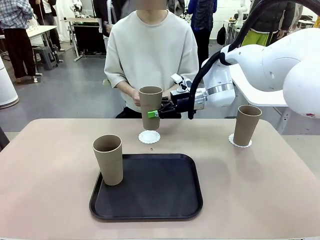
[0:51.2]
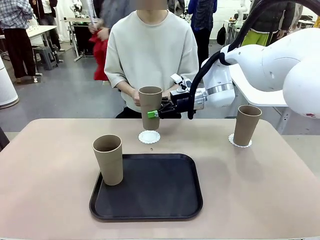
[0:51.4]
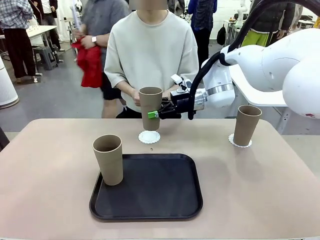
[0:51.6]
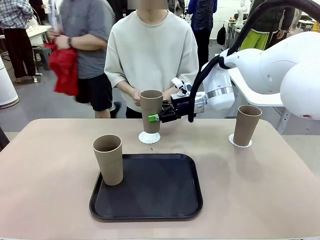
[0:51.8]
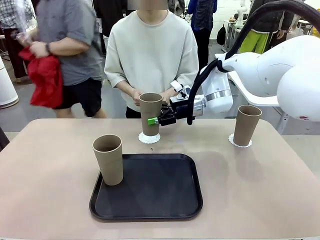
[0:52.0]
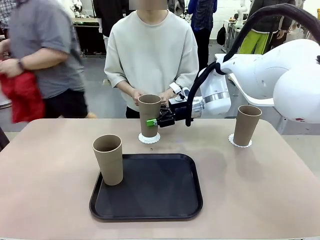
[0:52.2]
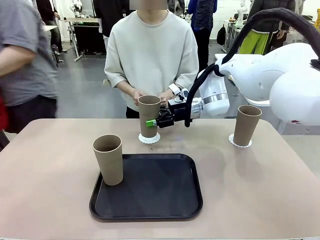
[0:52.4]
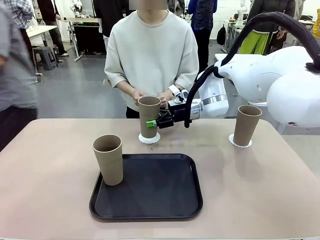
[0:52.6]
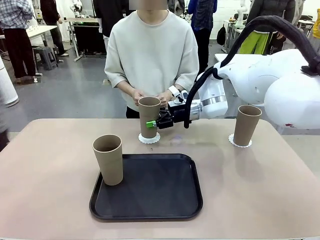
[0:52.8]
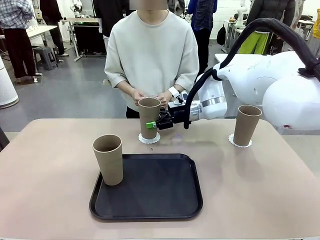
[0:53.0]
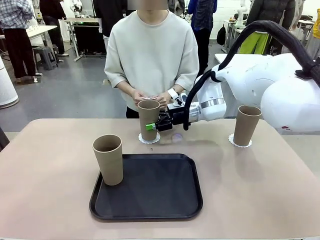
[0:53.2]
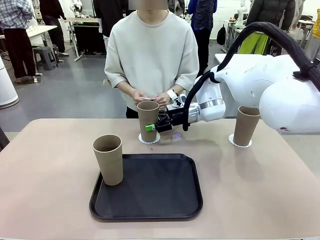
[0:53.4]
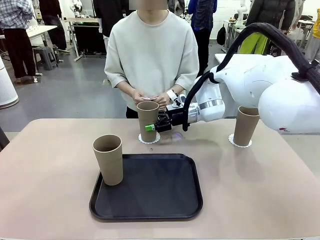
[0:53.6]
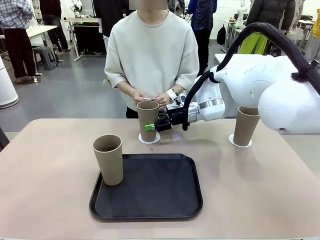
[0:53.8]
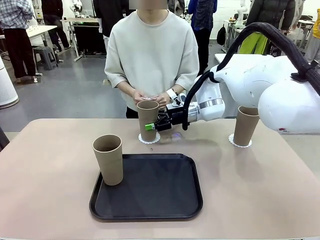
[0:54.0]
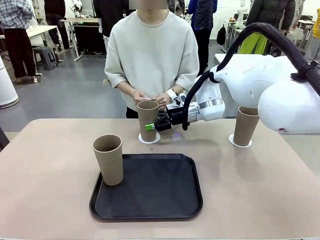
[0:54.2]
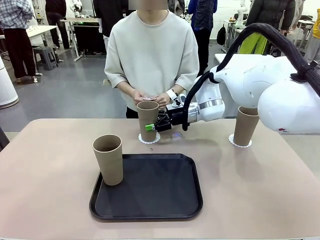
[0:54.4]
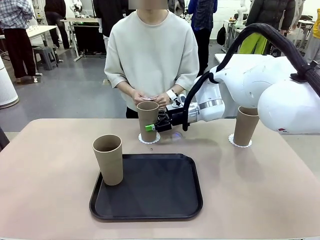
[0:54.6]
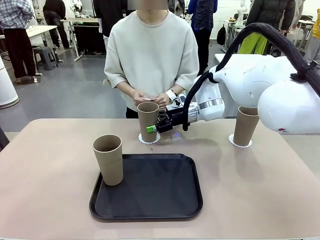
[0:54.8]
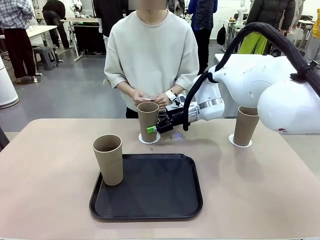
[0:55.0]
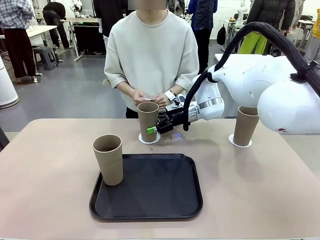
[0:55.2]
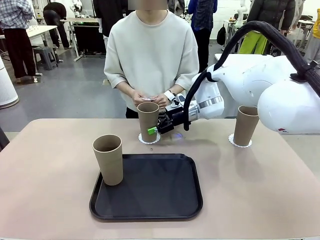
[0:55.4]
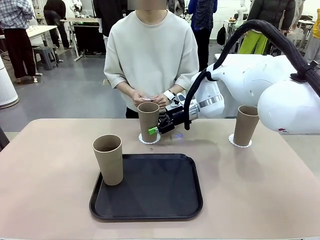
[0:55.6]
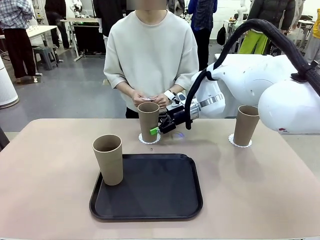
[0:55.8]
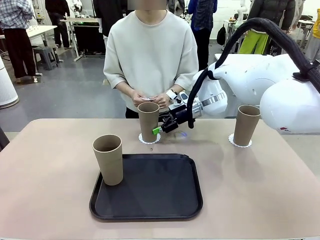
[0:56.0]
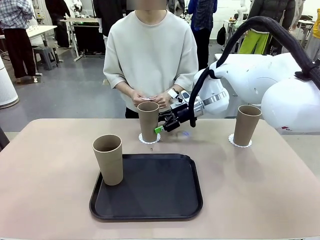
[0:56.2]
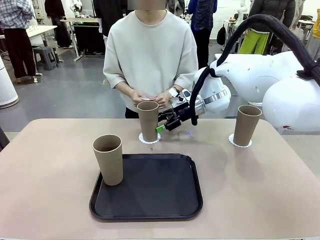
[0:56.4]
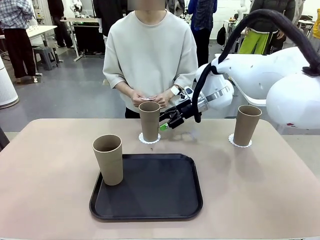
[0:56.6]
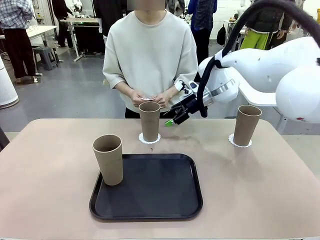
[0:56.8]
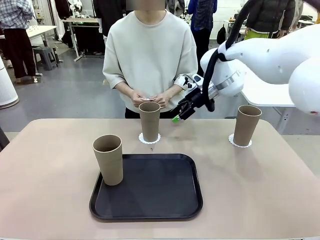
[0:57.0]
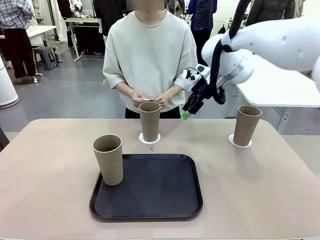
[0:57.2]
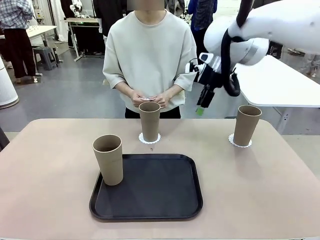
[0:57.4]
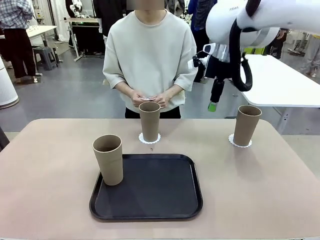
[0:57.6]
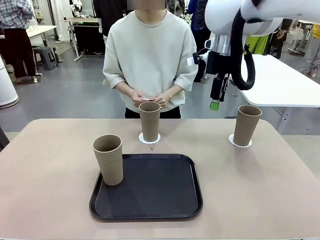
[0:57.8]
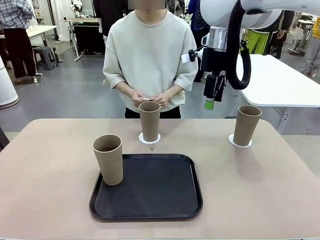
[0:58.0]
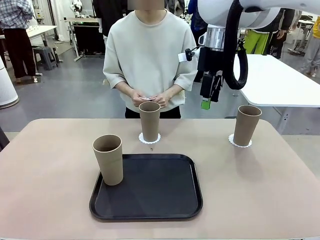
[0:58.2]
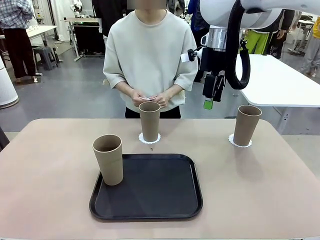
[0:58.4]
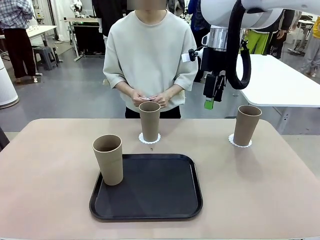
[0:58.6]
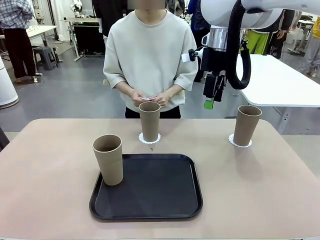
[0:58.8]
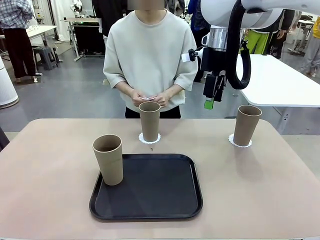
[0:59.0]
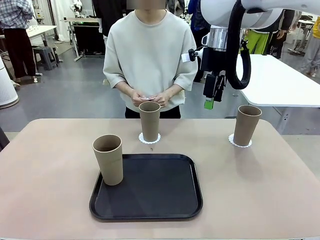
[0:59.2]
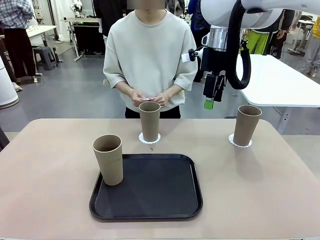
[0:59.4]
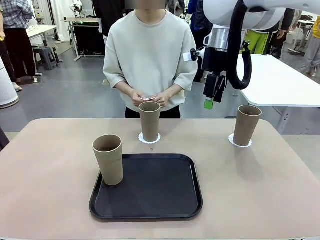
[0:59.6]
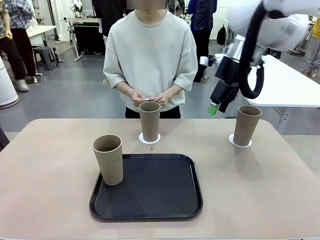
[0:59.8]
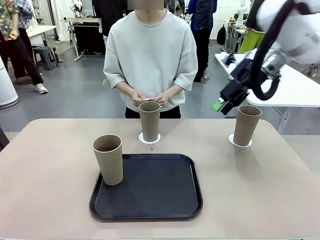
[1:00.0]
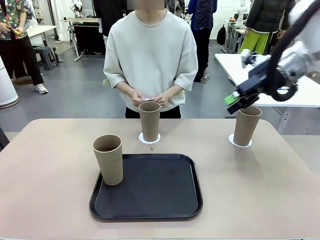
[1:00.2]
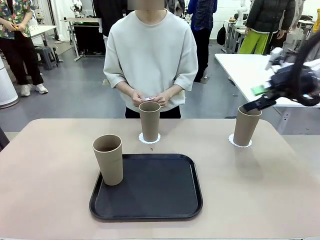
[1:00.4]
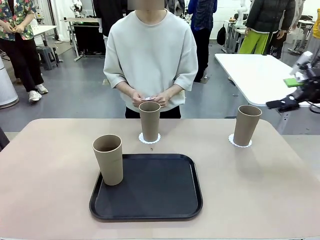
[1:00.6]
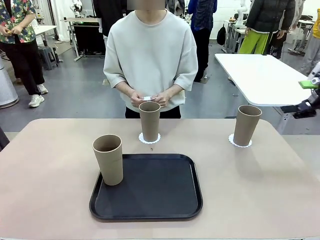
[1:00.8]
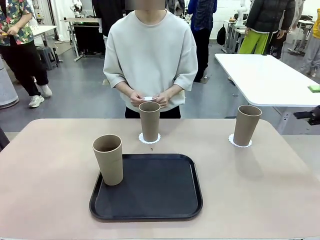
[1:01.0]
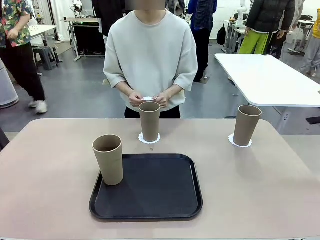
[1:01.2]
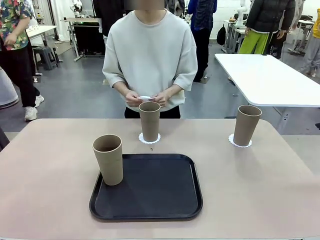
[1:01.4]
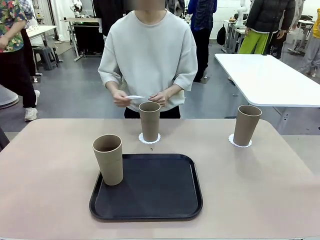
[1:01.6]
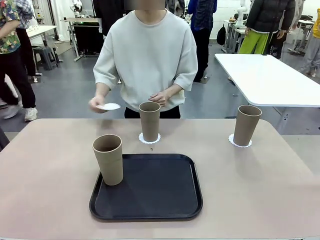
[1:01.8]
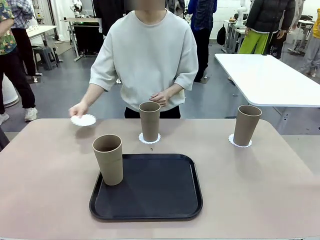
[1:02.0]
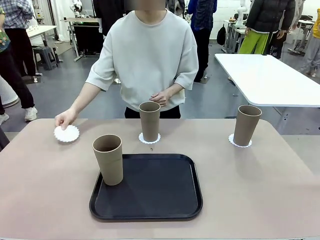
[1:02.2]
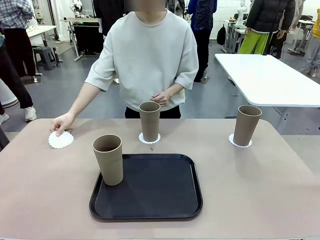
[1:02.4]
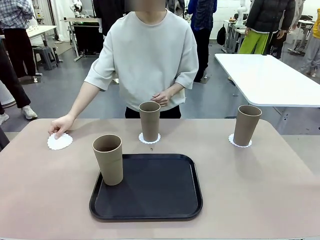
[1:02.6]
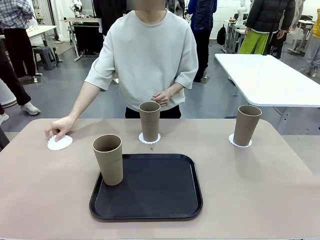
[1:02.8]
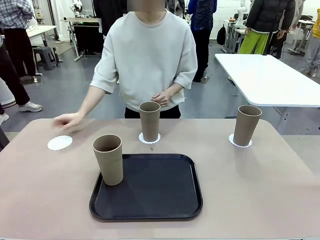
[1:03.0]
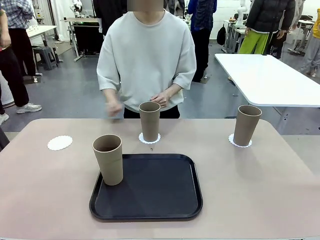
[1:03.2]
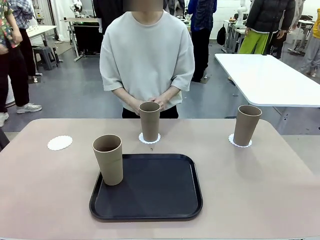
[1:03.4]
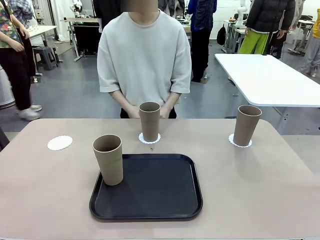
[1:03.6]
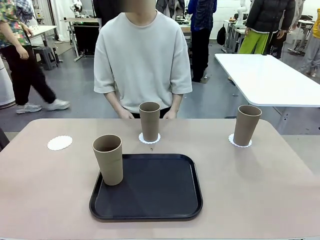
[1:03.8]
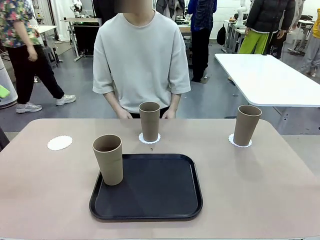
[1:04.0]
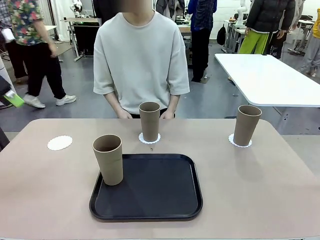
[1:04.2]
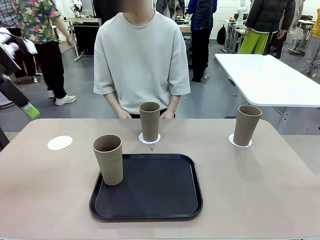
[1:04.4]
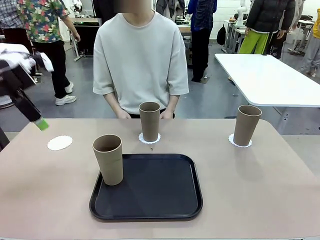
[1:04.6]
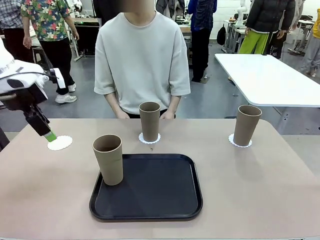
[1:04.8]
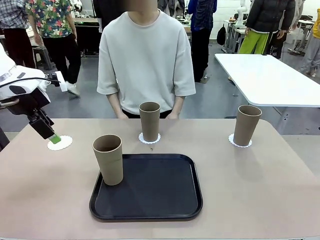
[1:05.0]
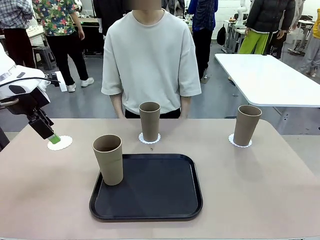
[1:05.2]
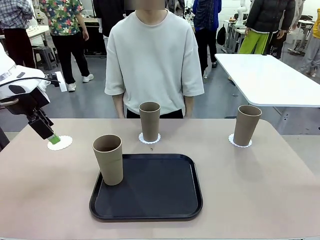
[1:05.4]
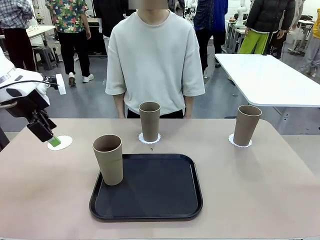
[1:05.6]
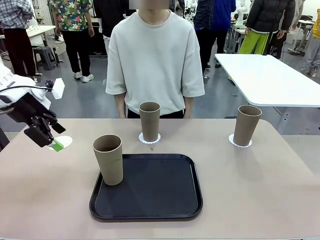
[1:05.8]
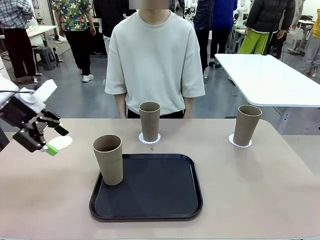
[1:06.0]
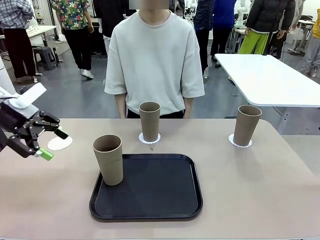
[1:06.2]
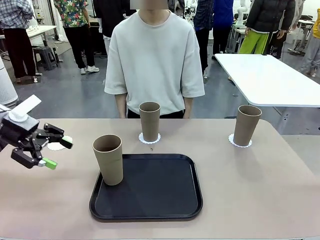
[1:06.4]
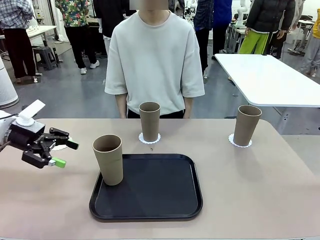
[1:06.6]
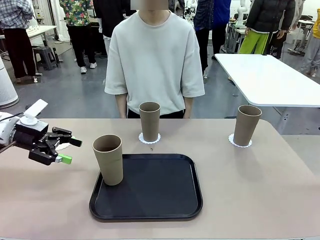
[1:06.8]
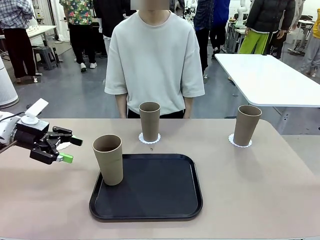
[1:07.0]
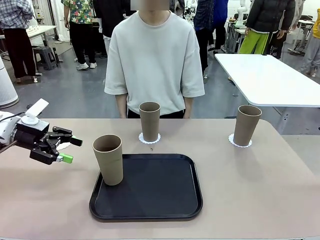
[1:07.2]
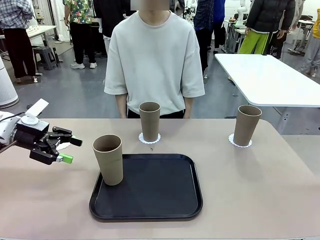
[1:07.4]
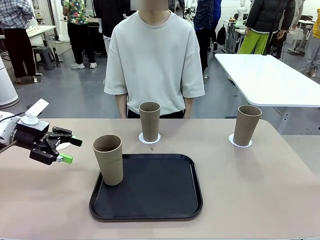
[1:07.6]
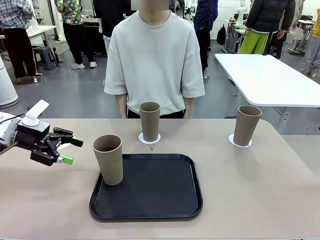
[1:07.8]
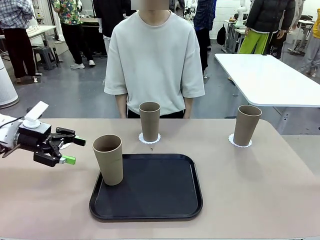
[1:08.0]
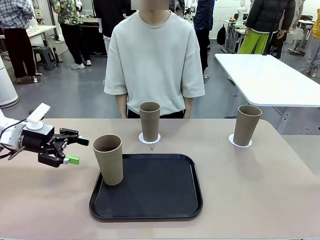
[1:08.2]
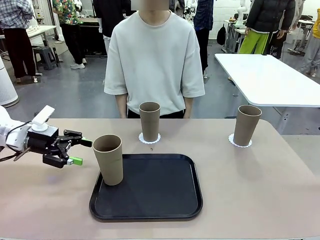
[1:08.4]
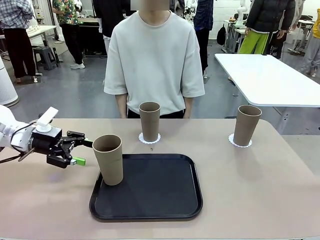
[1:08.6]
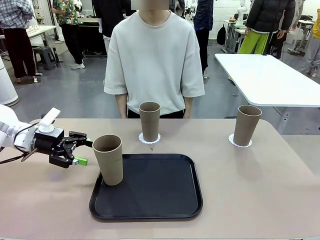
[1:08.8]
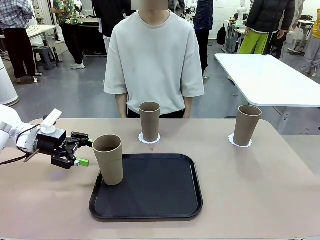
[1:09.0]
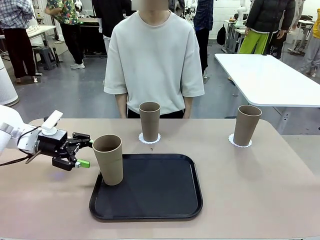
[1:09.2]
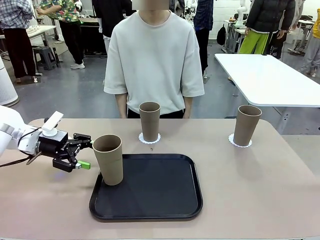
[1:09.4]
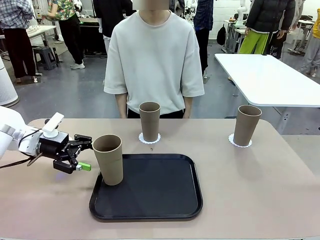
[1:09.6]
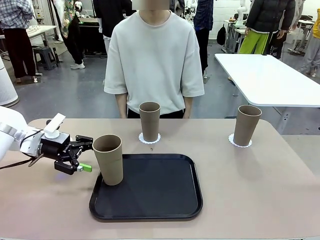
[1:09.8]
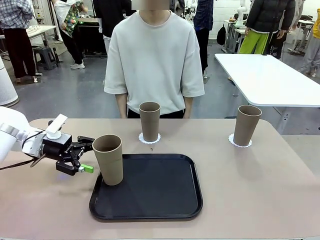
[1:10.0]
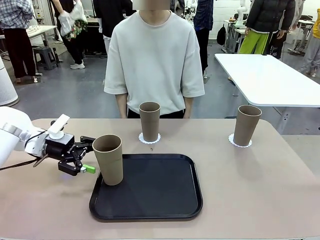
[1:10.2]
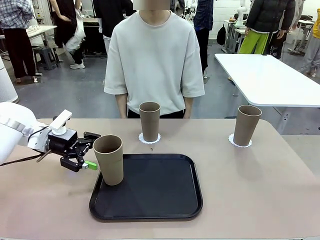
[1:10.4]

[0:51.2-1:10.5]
Task: Place coasters on the table and set cups on them.
Robot: Take one Reusable plastic cup from the Flat Tray and place it on a coaster set by the human.
